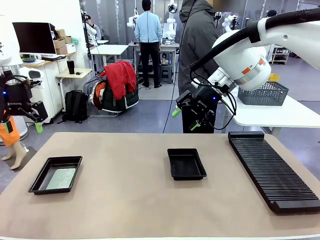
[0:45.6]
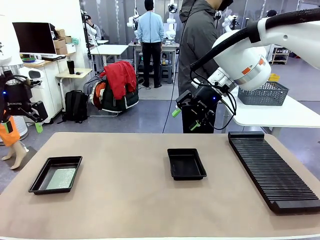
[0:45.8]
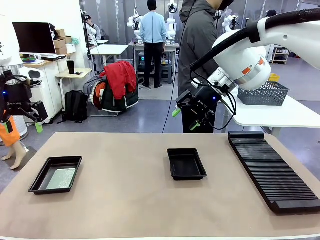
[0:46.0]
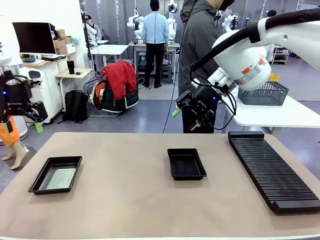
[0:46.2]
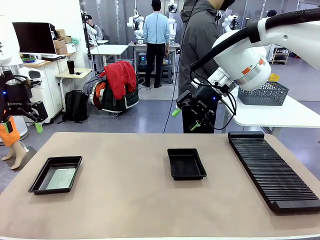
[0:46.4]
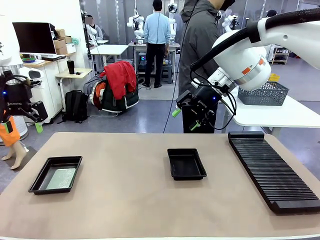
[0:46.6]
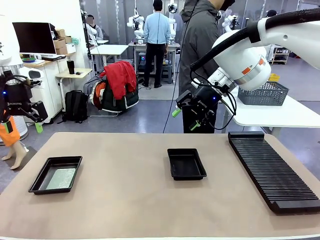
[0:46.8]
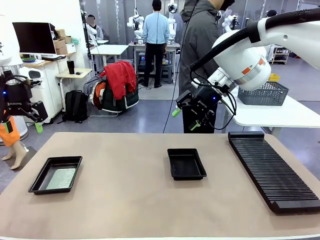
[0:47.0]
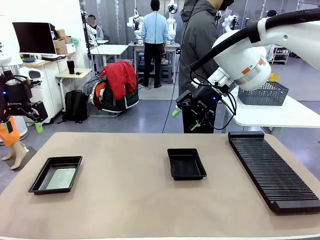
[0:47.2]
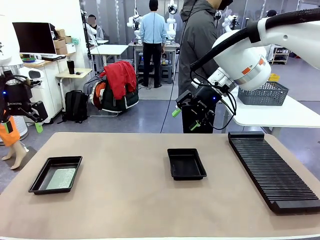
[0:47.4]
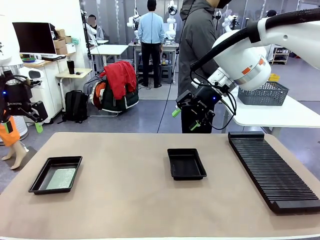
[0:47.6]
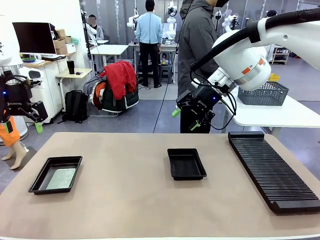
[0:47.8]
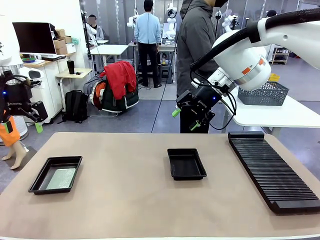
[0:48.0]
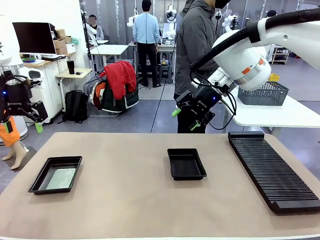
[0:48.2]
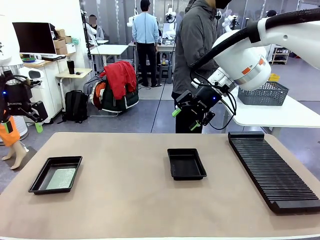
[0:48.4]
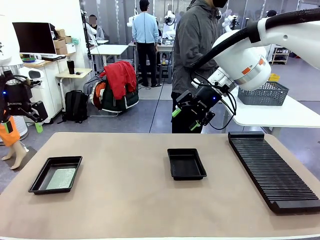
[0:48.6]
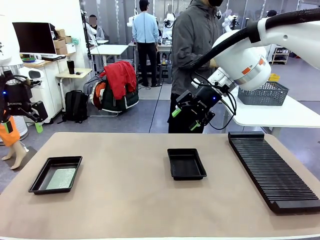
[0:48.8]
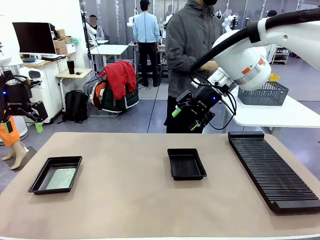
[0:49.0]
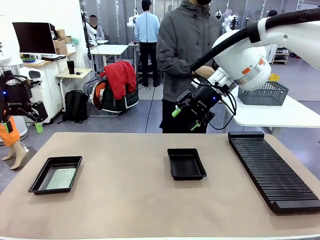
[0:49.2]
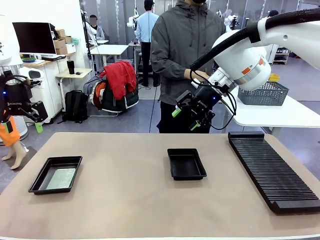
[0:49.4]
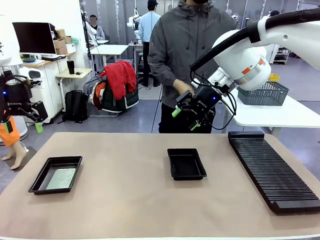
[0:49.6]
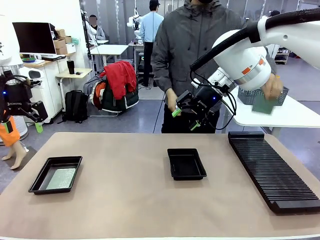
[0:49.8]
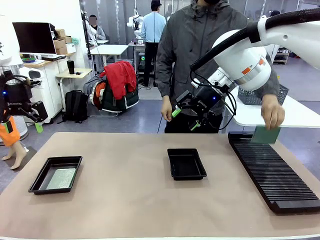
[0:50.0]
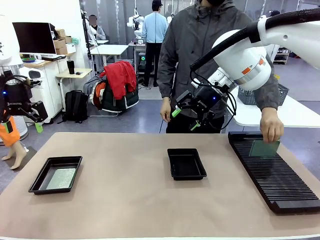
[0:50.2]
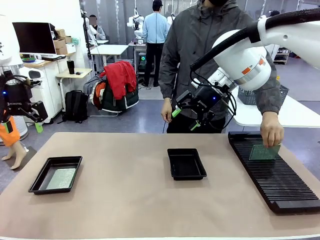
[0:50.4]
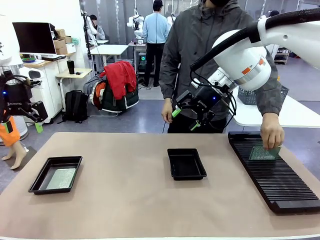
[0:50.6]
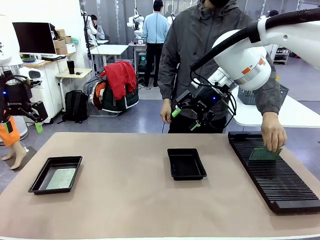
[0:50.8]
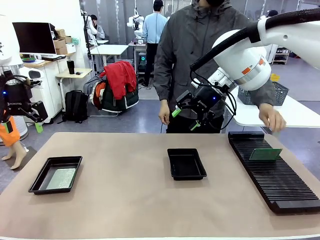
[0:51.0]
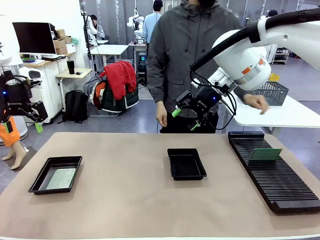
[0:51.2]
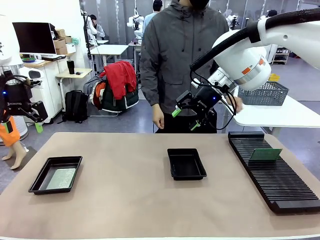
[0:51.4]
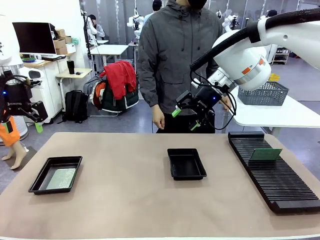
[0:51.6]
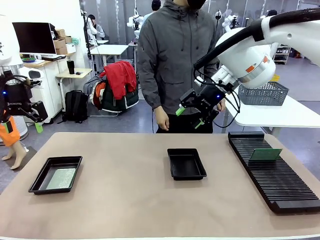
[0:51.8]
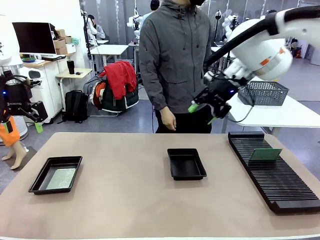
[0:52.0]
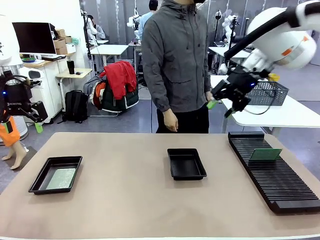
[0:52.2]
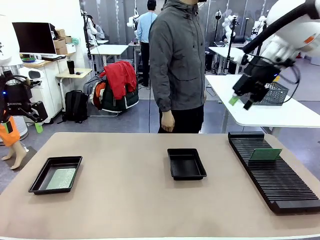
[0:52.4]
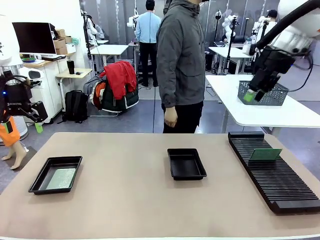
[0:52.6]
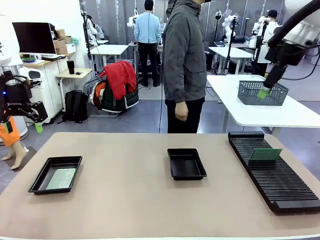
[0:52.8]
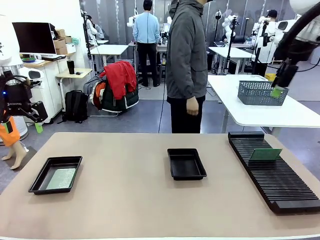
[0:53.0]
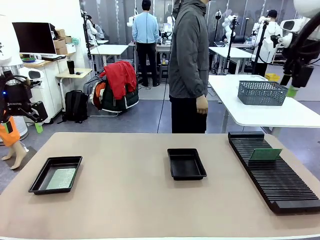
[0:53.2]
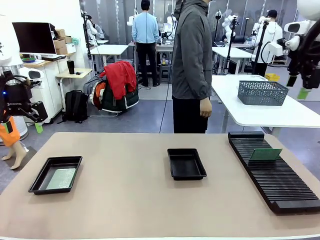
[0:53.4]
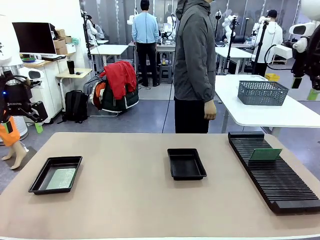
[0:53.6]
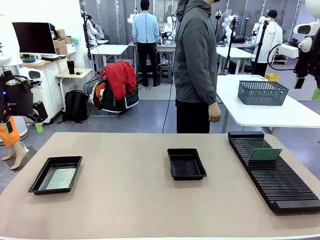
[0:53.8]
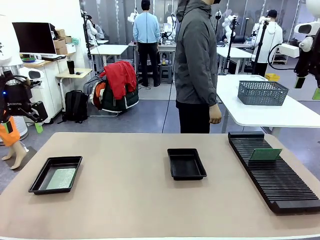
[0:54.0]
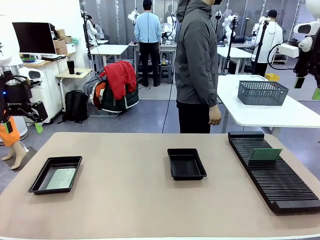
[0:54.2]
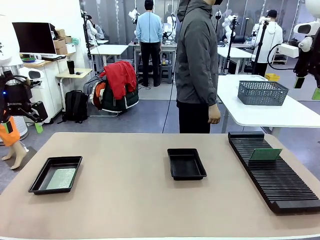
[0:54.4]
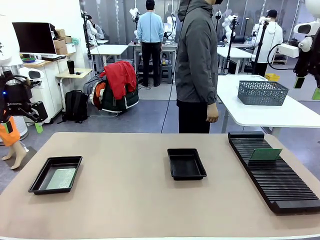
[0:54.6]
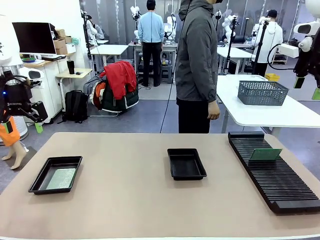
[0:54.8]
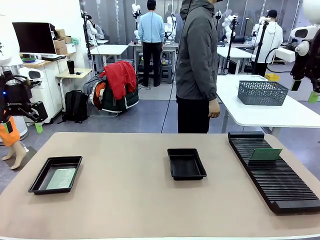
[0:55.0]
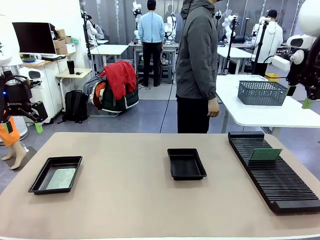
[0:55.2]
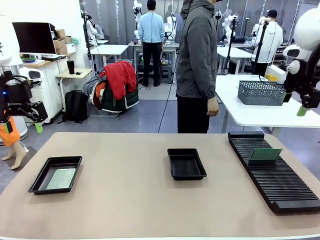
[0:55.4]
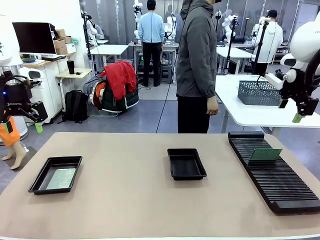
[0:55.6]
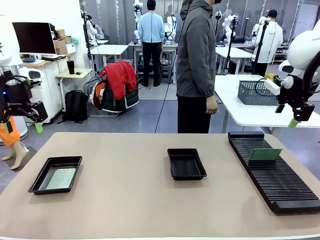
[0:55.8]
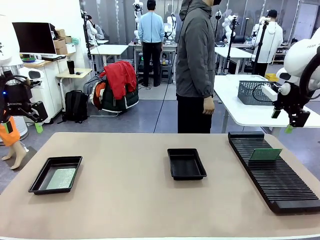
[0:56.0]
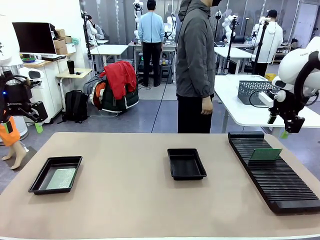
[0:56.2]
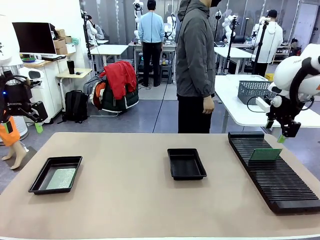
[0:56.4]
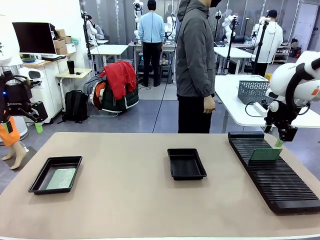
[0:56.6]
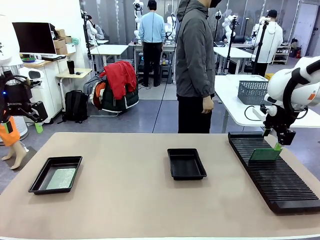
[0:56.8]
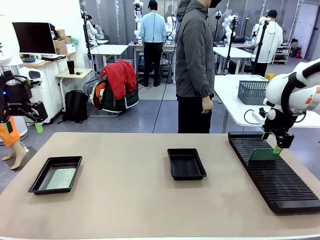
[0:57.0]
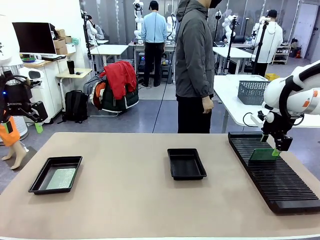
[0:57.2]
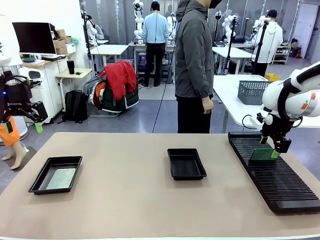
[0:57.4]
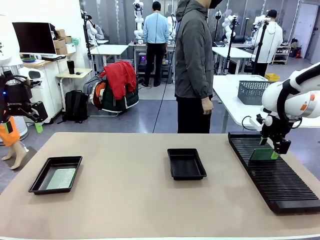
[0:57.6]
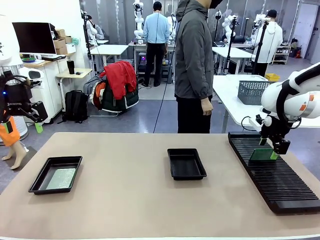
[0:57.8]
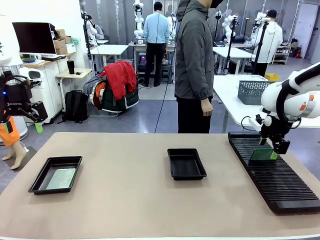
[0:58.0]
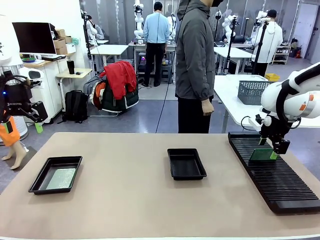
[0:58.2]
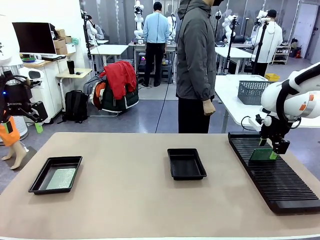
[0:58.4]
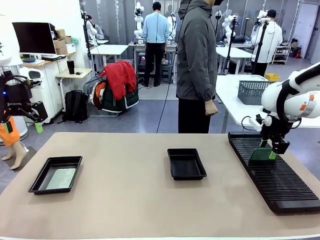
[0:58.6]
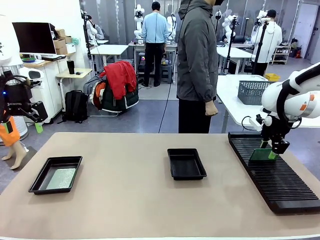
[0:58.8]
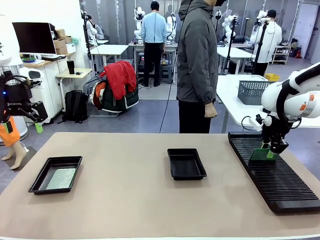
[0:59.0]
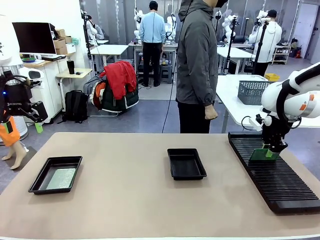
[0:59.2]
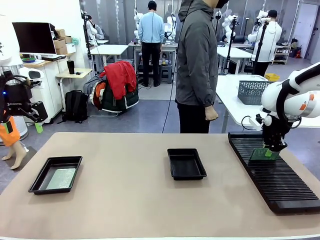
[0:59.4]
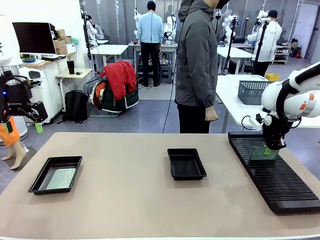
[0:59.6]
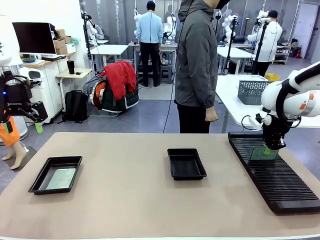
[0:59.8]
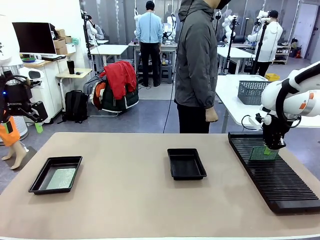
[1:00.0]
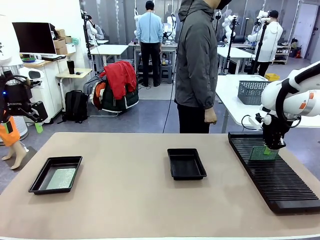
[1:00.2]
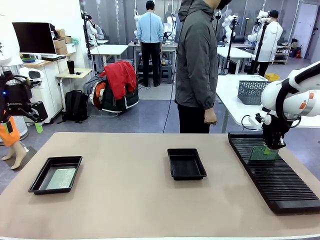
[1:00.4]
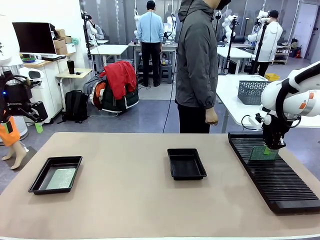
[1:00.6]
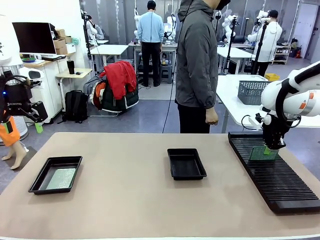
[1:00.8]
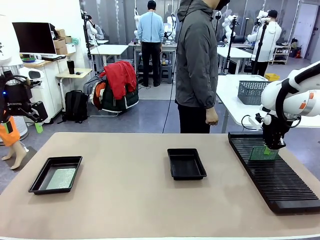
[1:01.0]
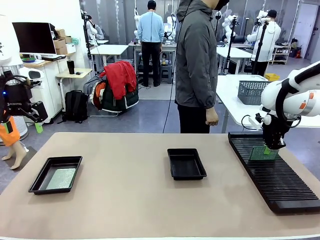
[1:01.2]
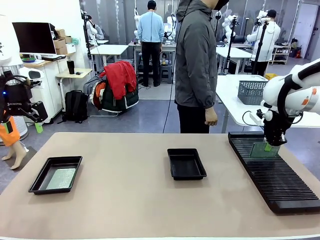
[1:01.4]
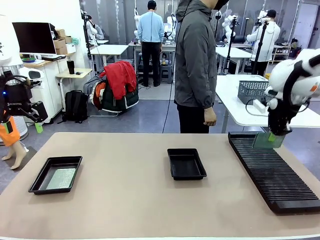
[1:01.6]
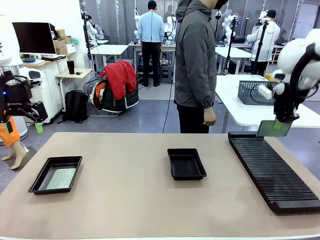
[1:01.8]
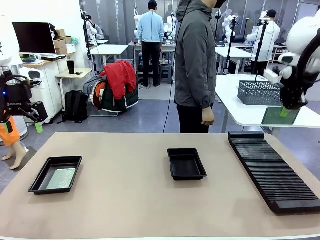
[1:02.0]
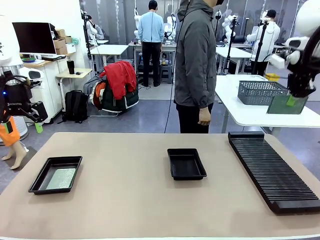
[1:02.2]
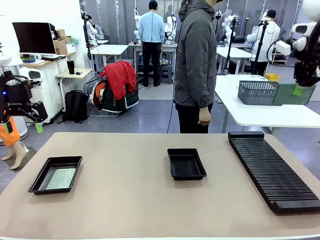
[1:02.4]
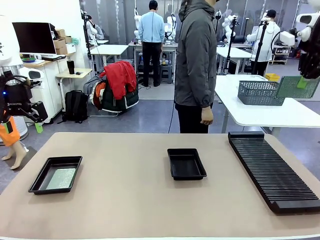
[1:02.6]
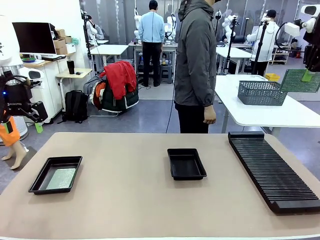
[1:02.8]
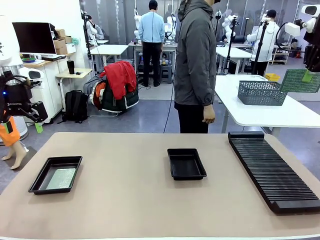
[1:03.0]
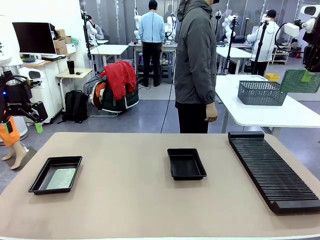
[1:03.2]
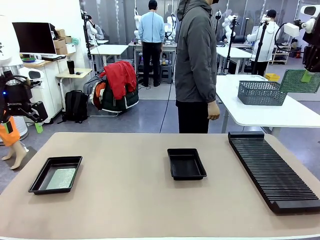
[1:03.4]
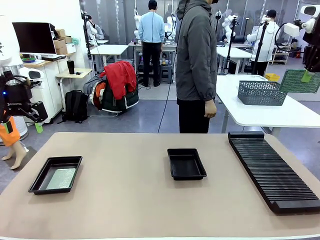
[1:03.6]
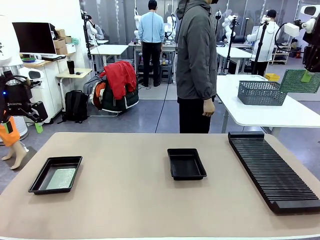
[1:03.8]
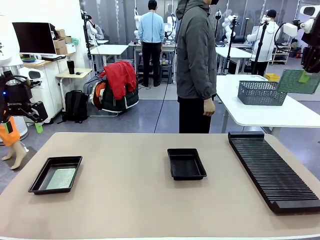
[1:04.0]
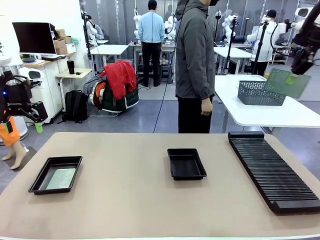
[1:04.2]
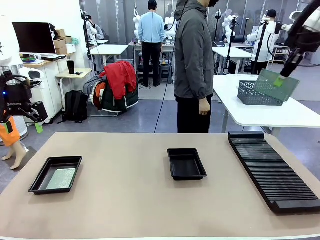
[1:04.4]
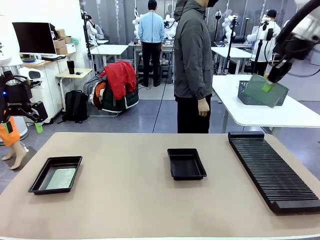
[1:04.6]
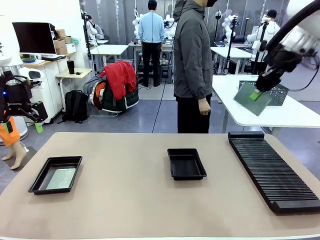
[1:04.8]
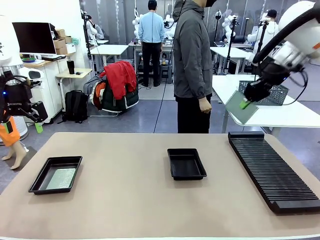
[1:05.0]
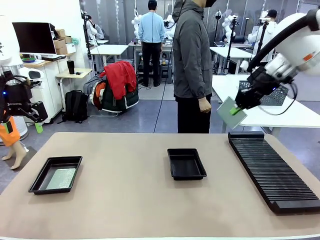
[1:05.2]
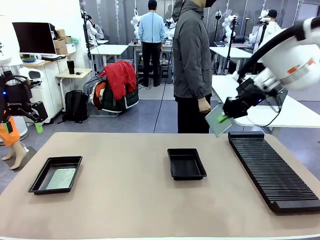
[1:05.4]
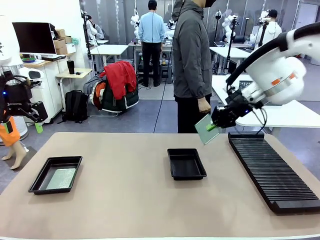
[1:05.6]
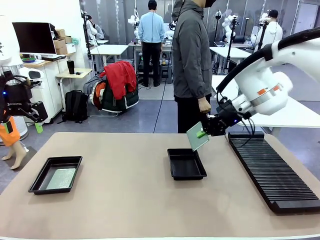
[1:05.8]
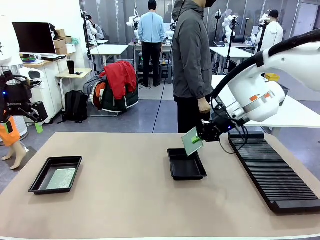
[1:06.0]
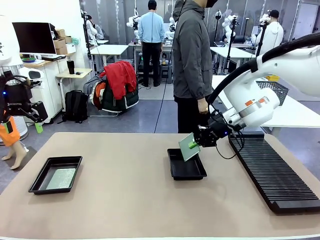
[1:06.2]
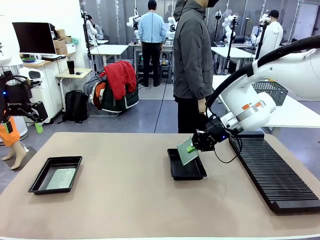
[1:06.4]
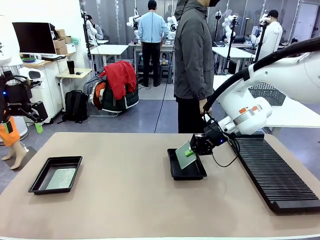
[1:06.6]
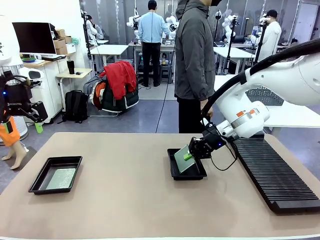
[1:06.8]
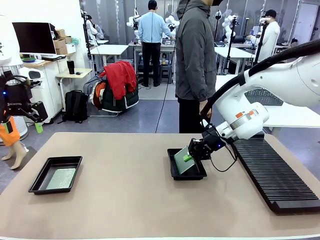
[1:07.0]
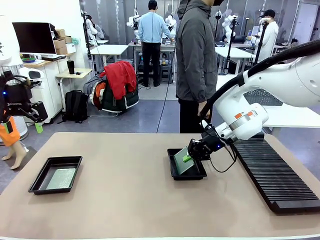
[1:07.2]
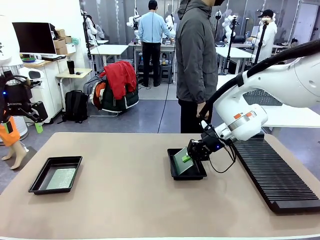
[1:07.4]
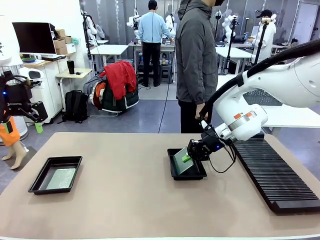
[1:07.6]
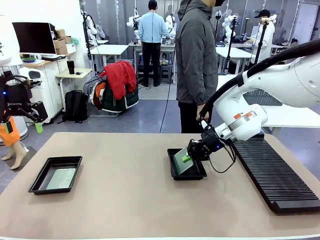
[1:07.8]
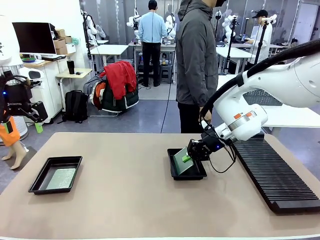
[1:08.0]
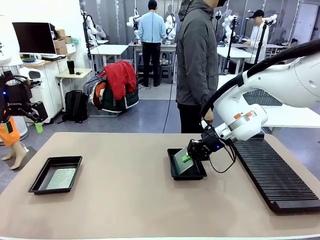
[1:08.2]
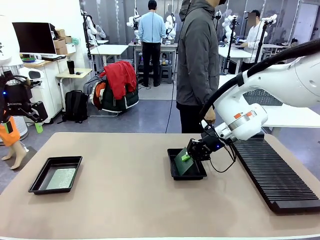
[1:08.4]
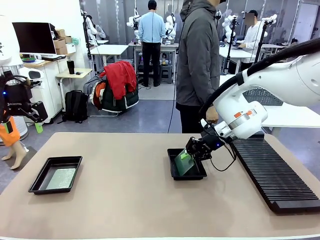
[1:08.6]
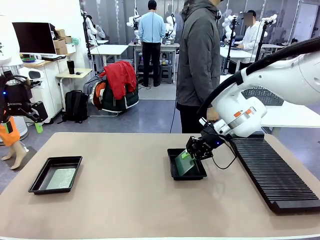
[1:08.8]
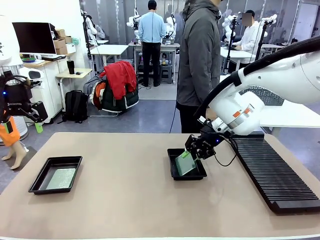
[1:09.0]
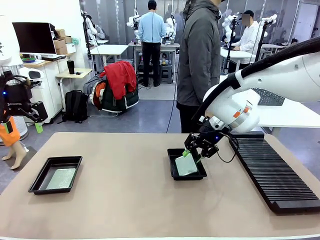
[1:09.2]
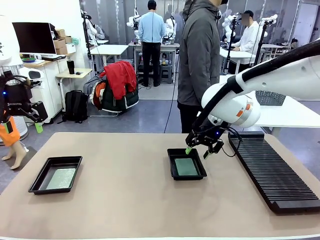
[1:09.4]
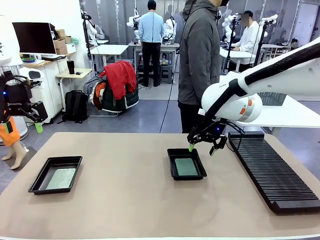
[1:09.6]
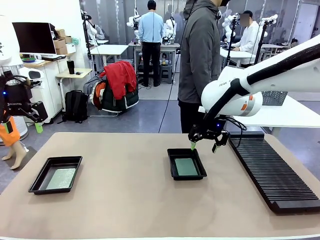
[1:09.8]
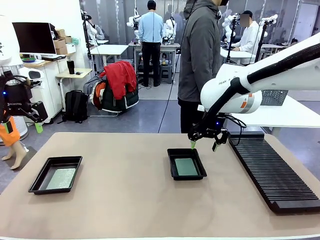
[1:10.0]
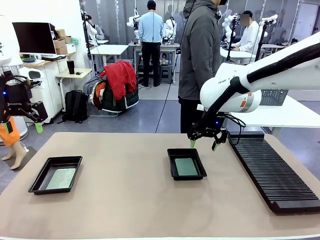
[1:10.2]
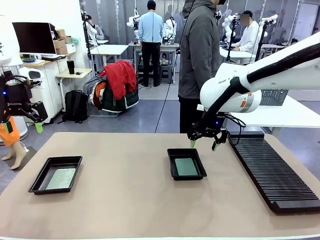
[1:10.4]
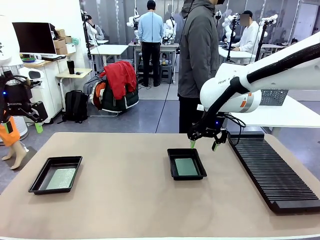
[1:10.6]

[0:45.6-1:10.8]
Task: Inspect and transfer BCBs to ESD trays.
Robot: Pick up the Blank PCB from the PCB Rack and place it in the right ESD tray.
